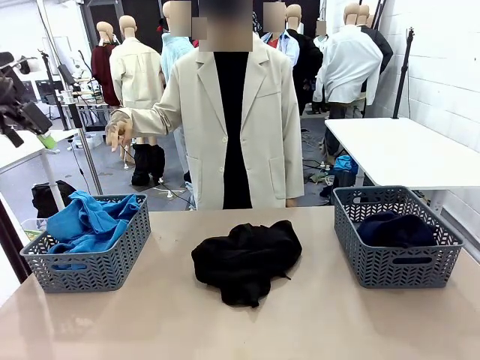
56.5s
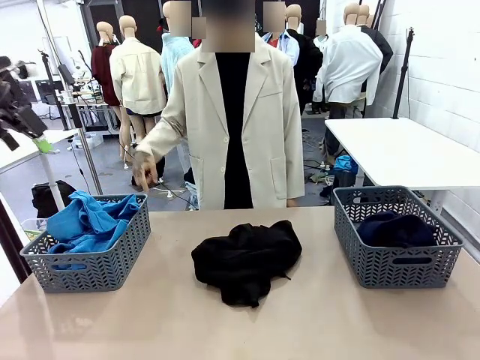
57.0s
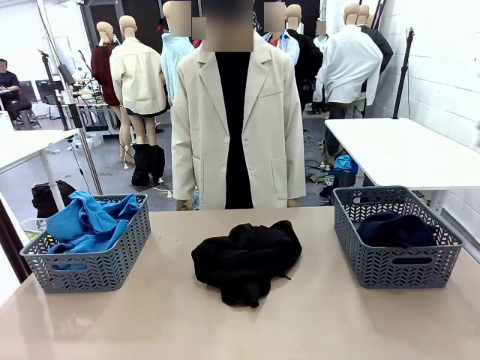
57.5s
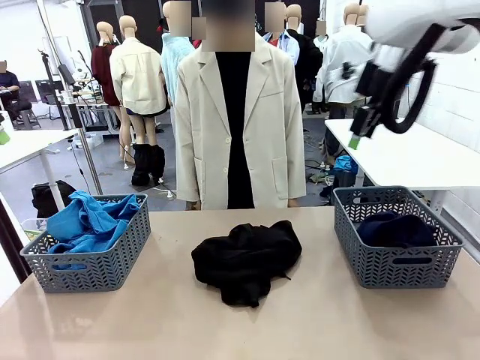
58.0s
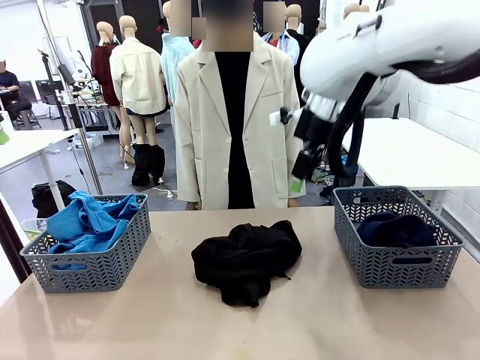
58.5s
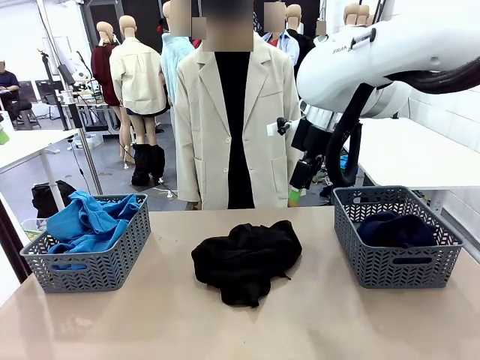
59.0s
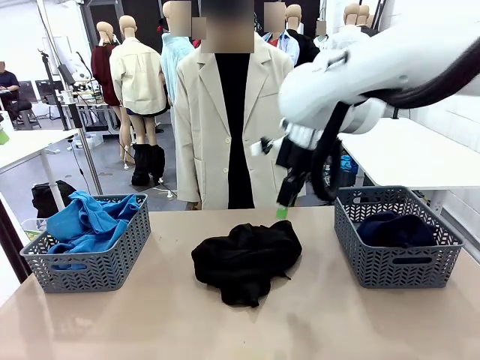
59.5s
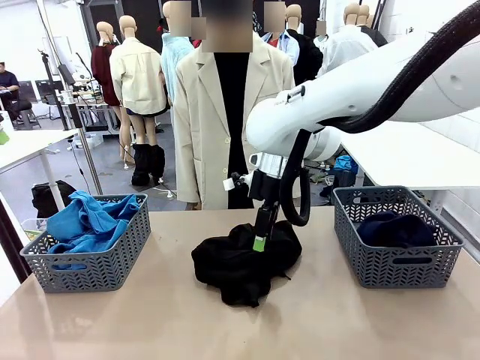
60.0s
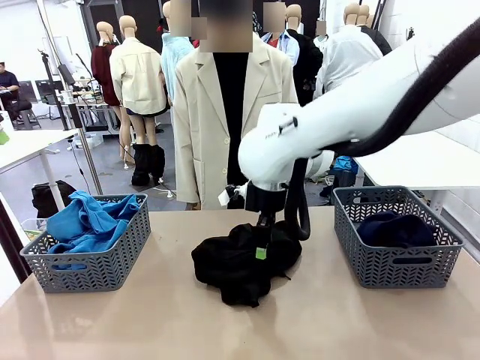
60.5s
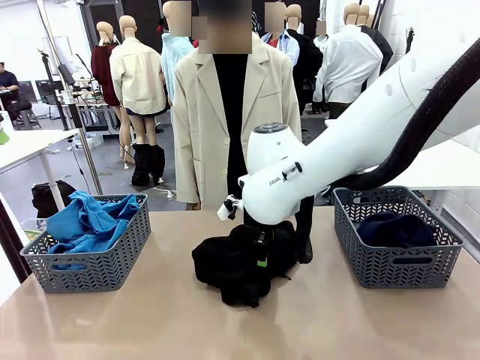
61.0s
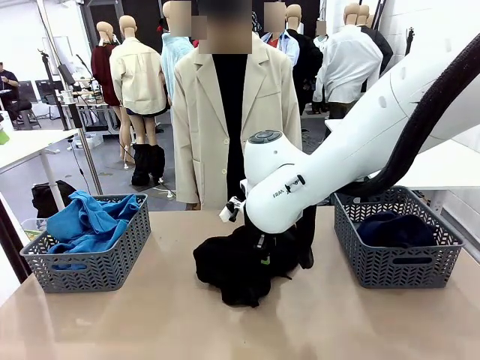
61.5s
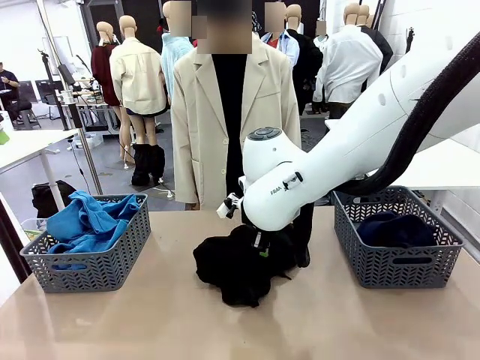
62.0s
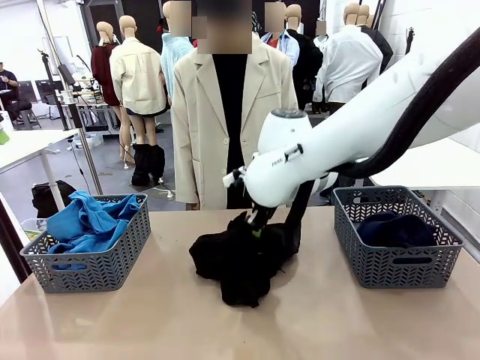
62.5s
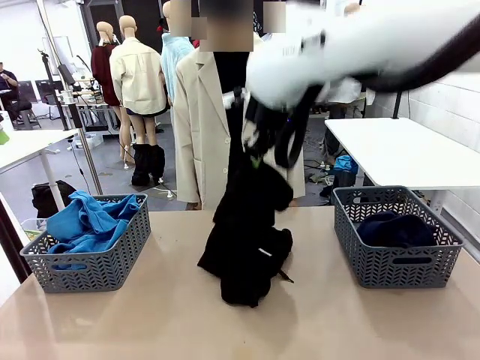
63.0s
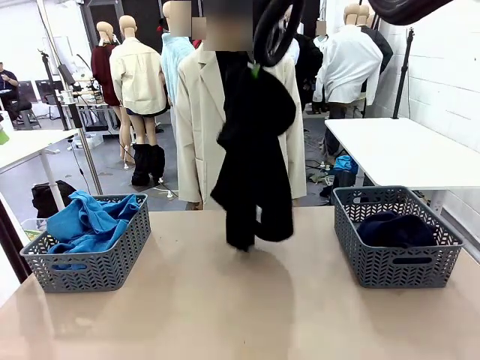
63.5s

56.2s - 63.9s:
Task: Sort the tops and bottoms.
Robot: Lift clothes from the center of the table with your right hand.

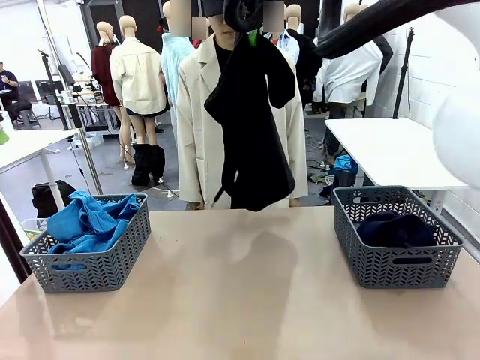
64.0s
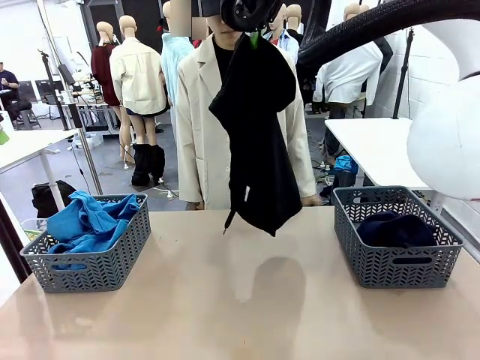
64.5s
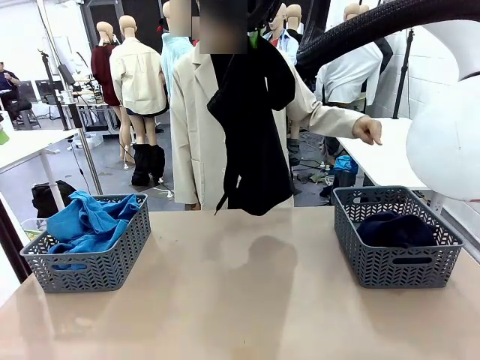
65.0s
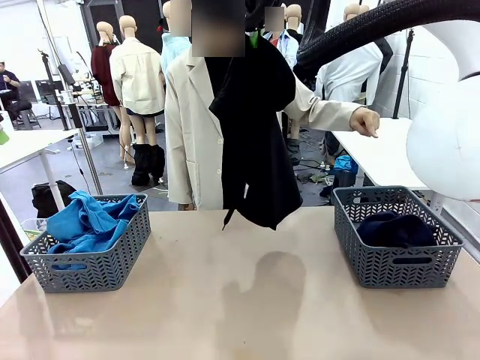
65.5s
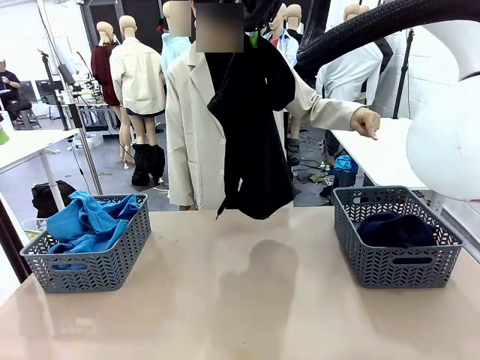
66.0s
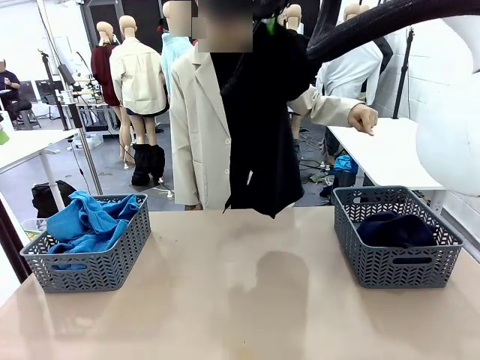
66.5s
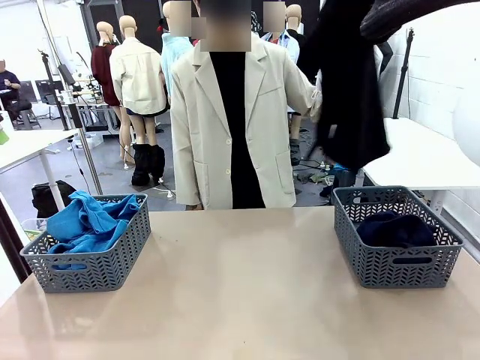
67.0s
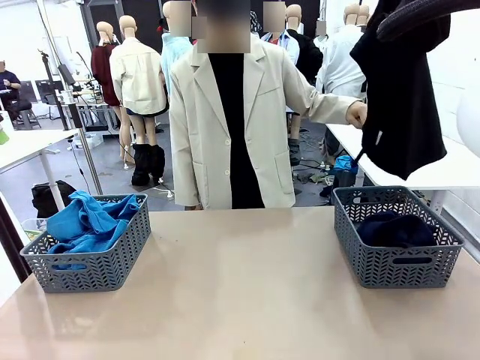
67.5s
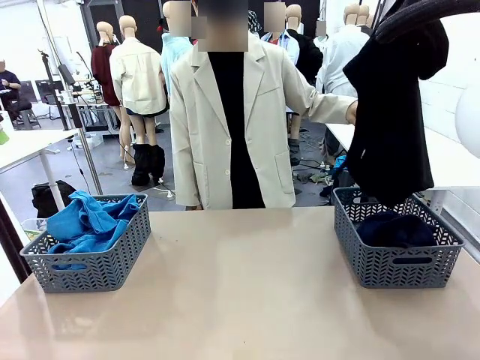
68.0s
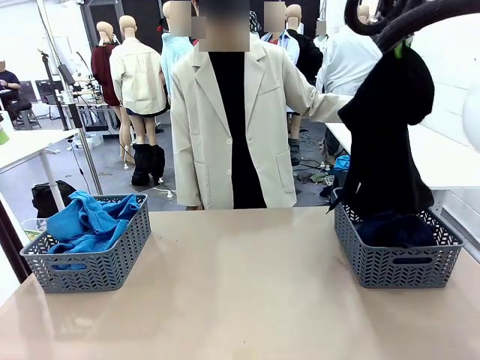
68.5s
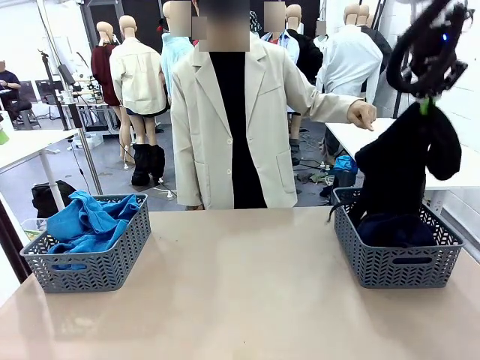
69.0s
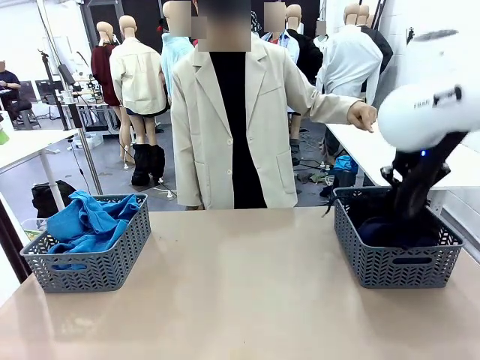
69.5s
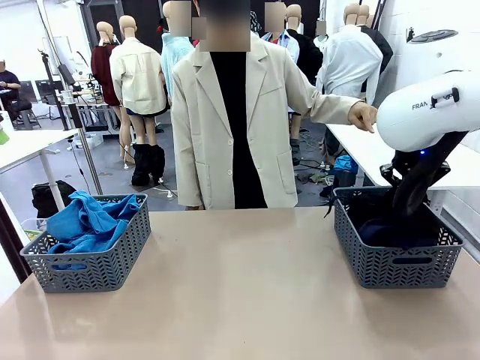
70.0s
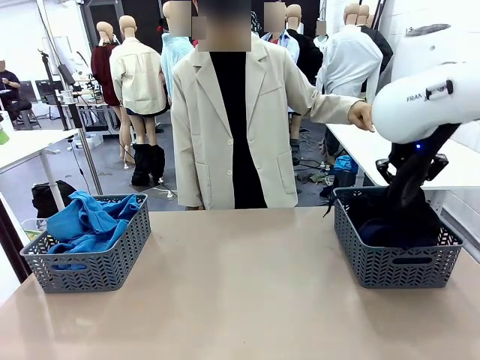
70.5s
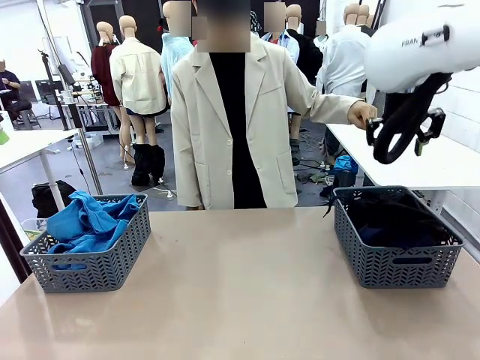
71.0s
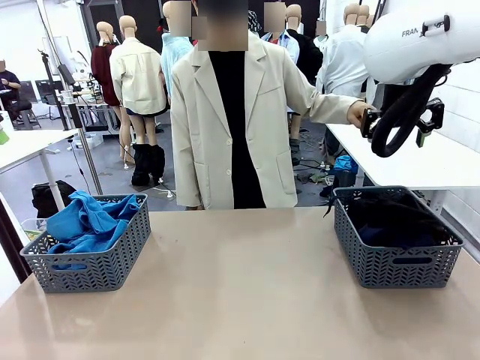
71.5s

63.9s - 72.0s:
Robot: Sort the clothes according to human instructions.

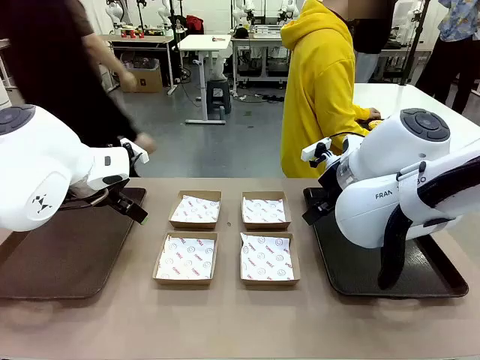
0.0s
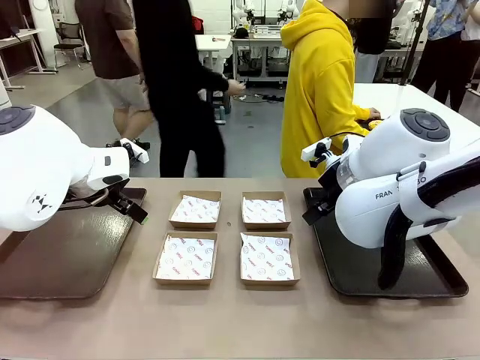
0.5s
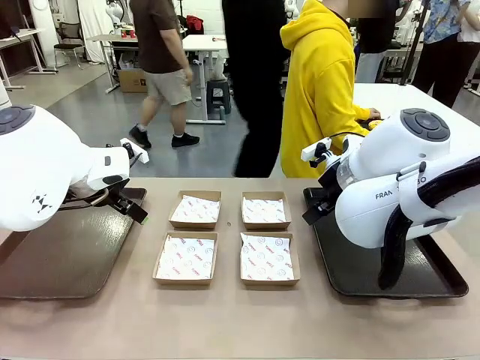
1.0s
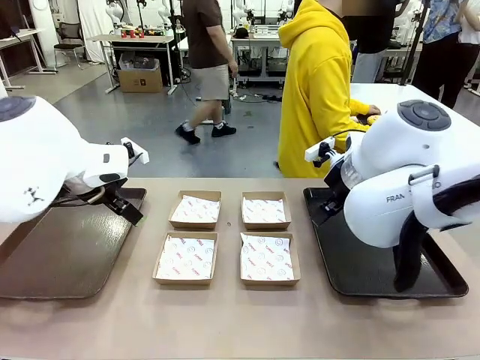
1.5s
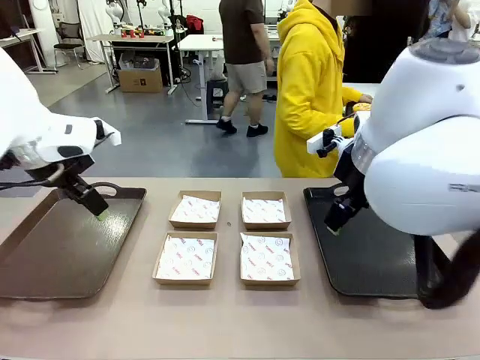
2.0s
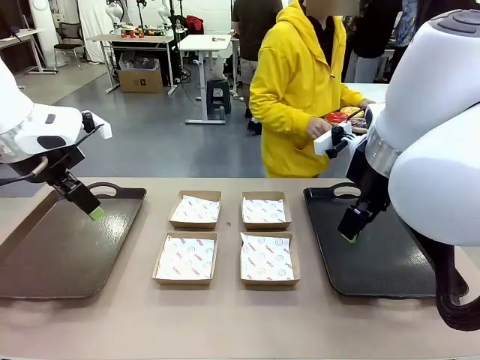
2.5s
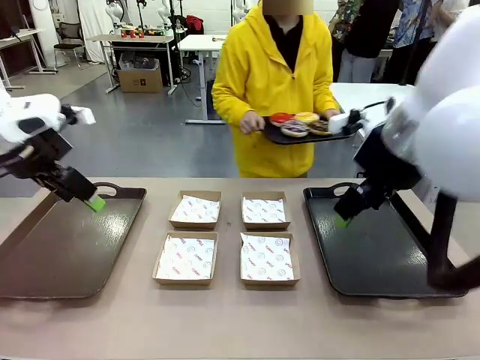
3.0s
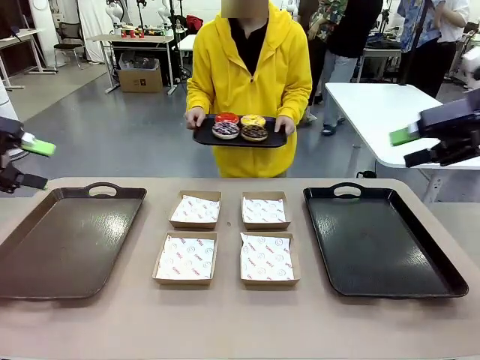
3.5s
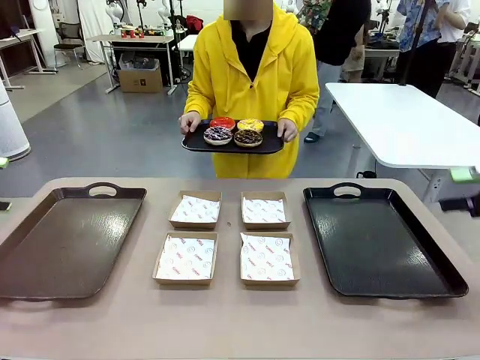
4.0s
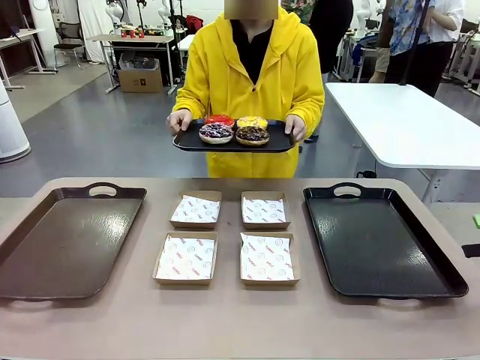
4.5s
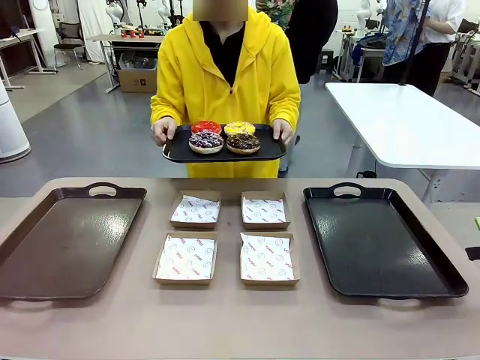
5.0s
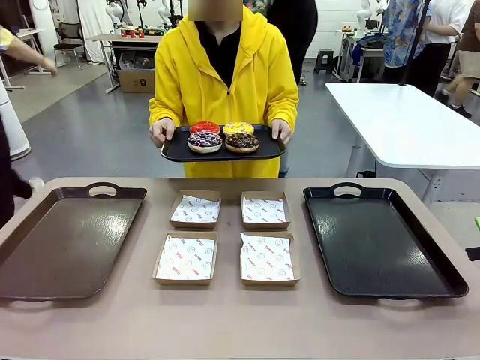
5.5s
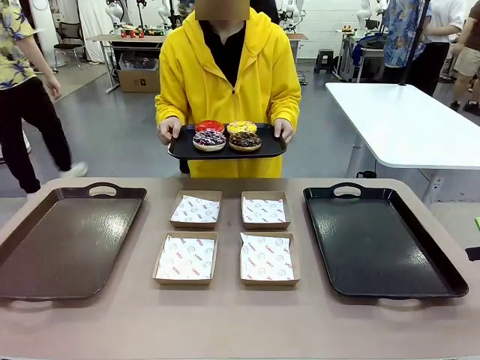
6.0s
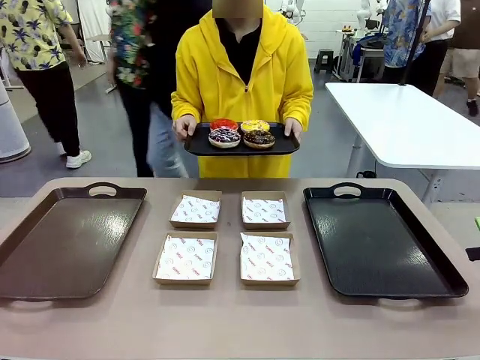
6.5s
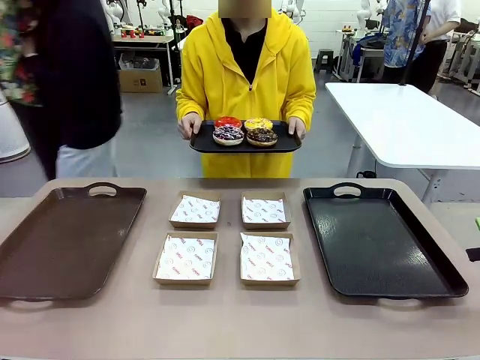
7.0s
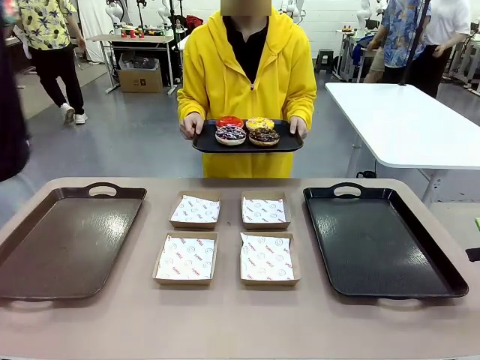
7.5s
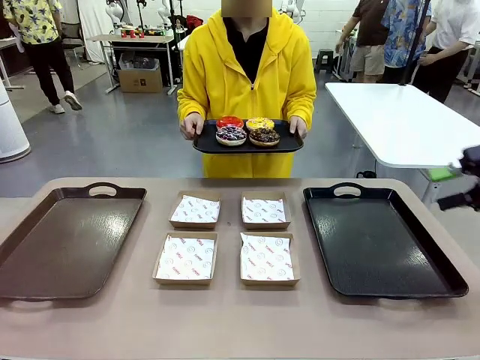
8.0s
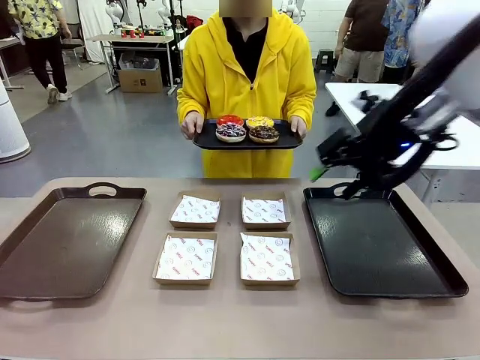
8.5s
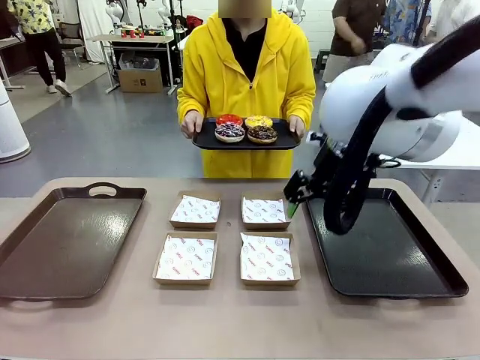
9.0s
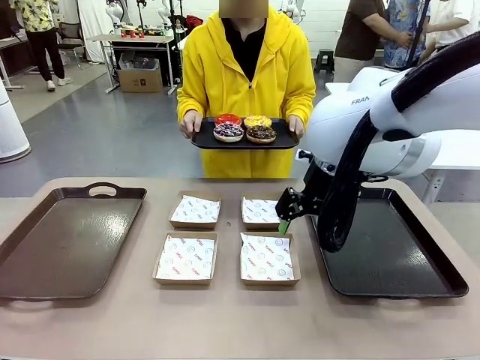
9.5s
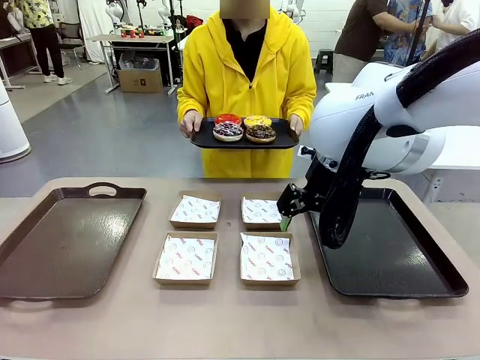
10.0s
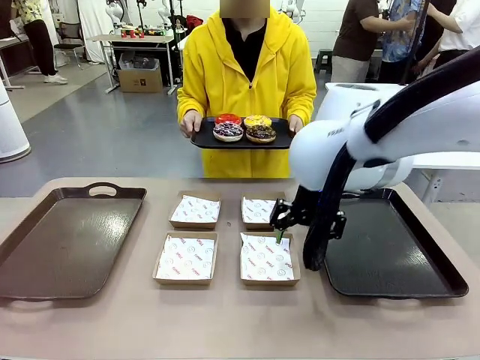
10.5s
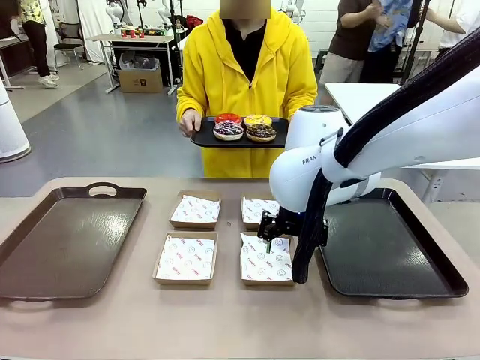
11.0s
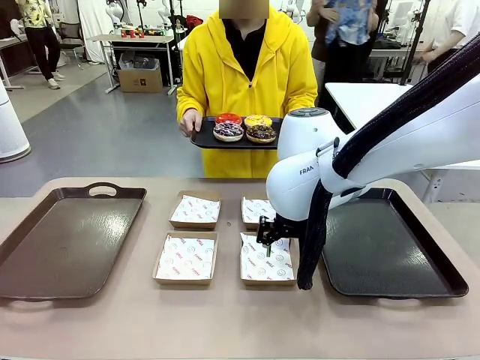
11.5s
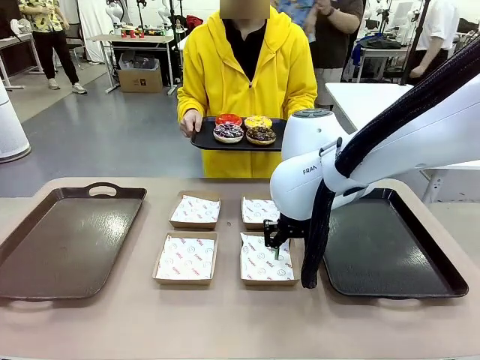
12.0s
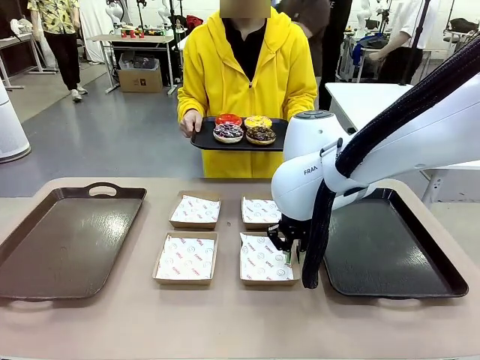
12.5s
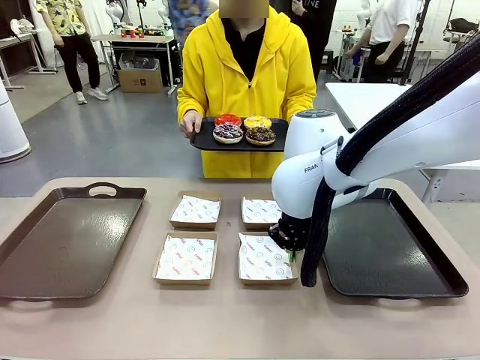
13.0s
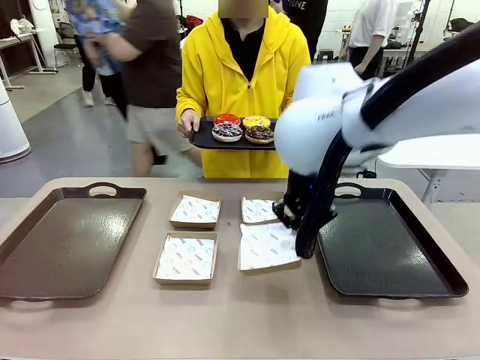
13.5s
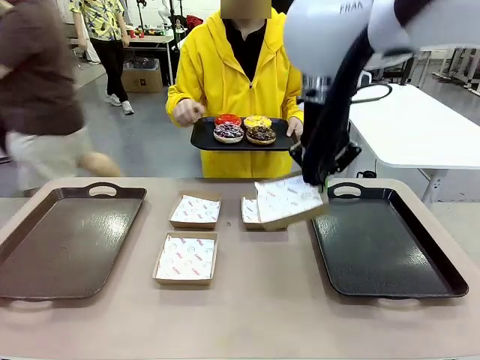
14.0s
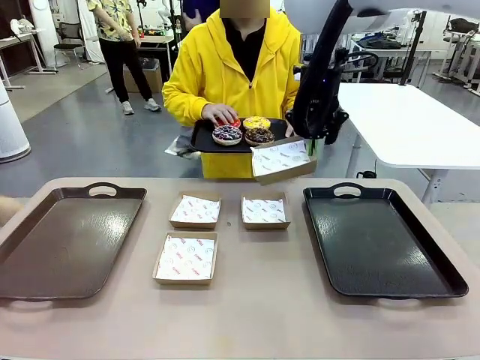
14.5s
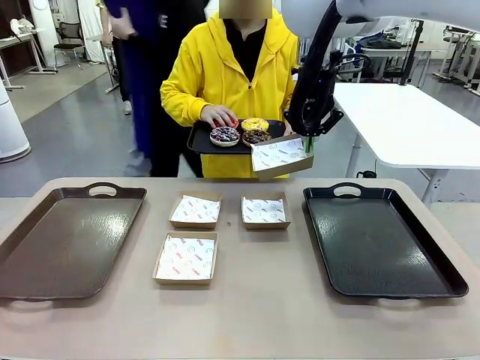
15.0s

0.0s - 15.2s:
Task: Individually package the donuts and arrange them on the tray.
Robot: Pick up one Paper togo box.
Person: Stand in front of the robot table holding the tray containing the donuts.
